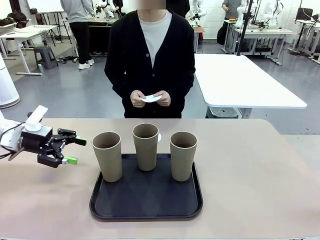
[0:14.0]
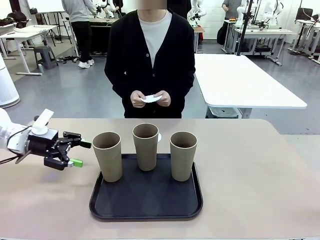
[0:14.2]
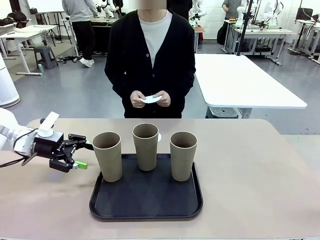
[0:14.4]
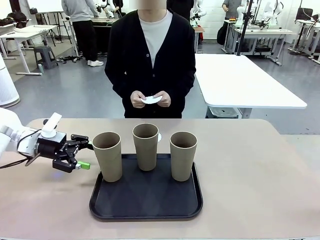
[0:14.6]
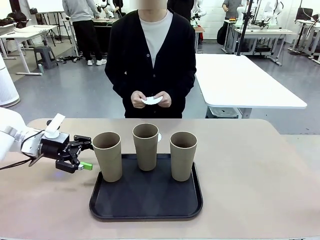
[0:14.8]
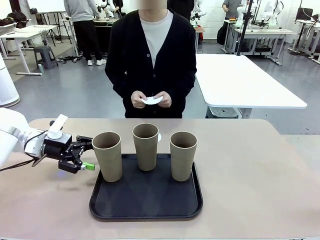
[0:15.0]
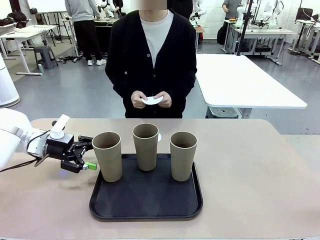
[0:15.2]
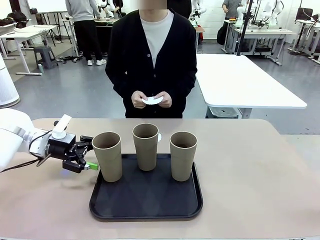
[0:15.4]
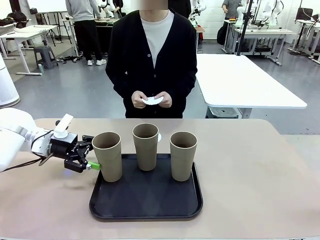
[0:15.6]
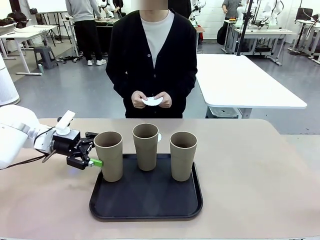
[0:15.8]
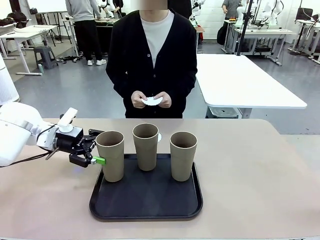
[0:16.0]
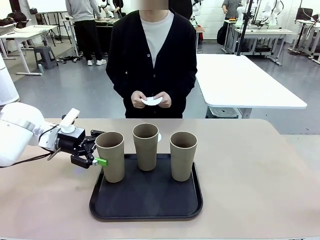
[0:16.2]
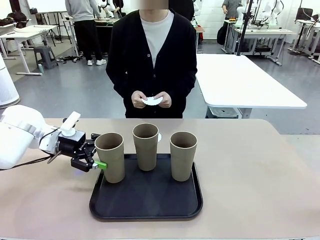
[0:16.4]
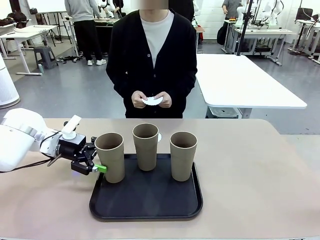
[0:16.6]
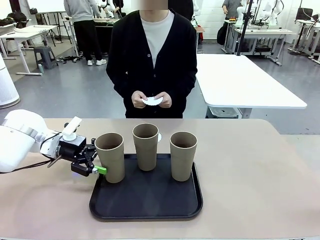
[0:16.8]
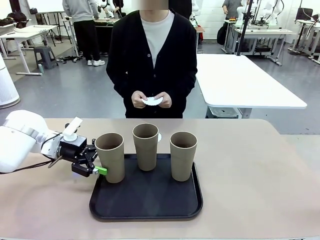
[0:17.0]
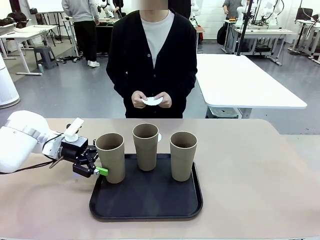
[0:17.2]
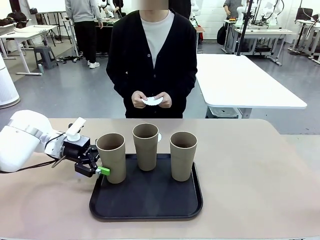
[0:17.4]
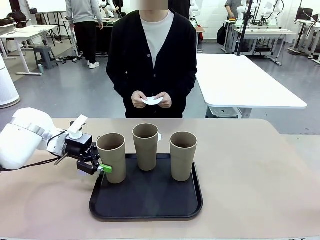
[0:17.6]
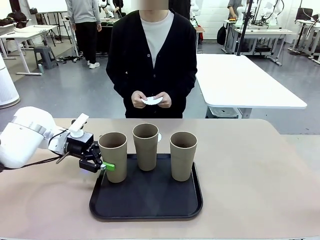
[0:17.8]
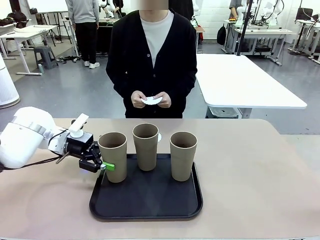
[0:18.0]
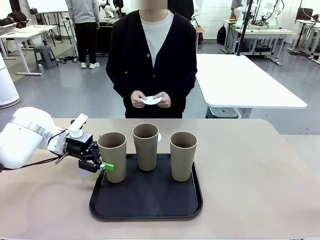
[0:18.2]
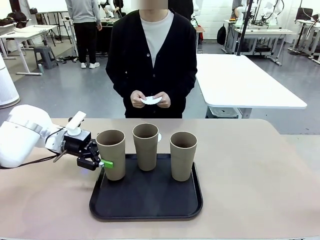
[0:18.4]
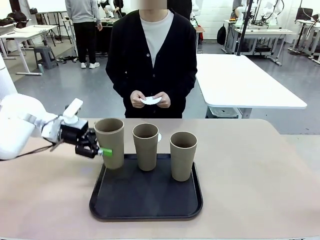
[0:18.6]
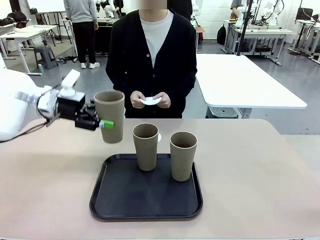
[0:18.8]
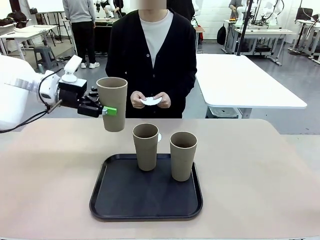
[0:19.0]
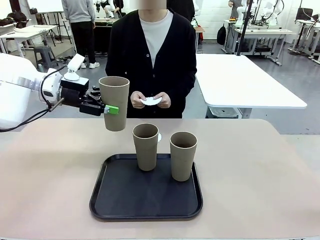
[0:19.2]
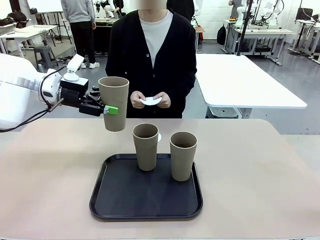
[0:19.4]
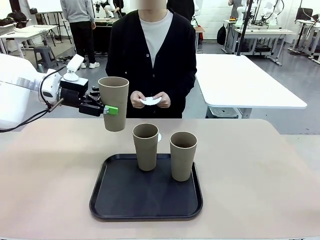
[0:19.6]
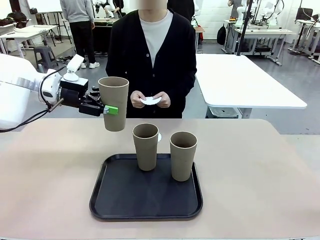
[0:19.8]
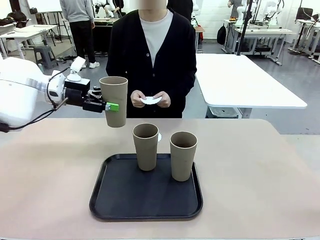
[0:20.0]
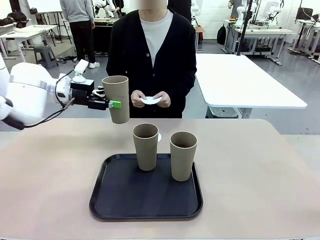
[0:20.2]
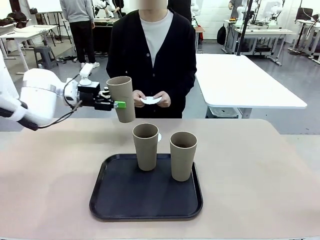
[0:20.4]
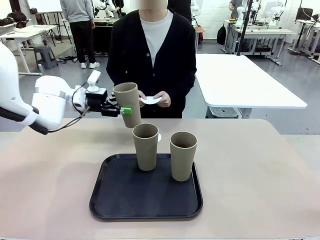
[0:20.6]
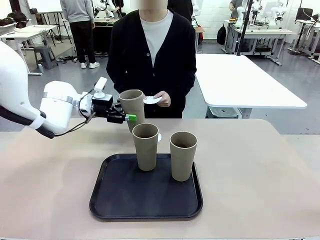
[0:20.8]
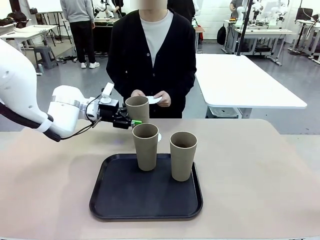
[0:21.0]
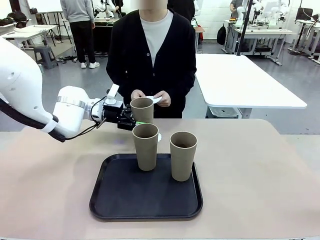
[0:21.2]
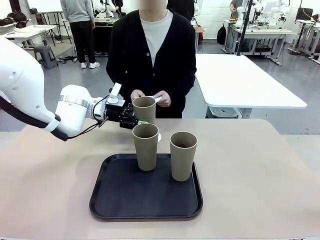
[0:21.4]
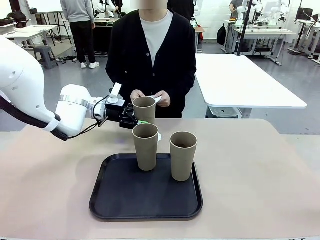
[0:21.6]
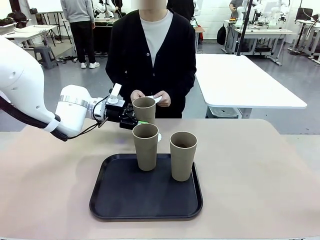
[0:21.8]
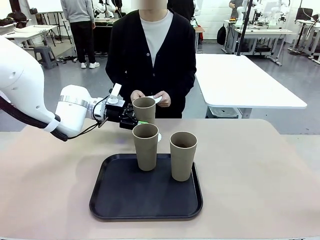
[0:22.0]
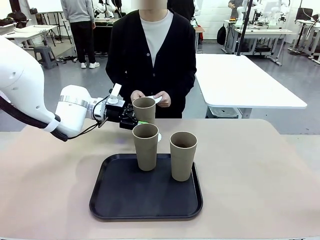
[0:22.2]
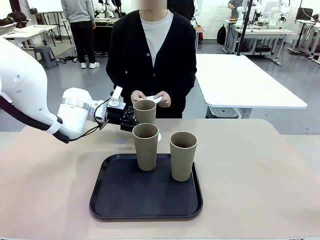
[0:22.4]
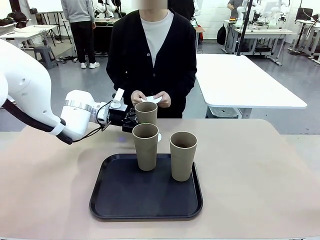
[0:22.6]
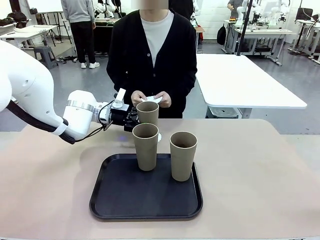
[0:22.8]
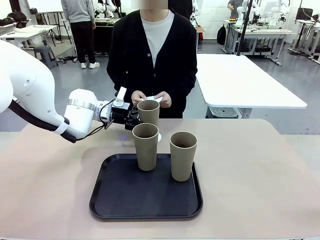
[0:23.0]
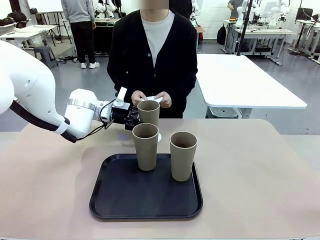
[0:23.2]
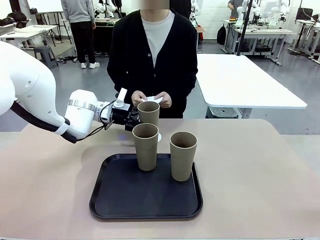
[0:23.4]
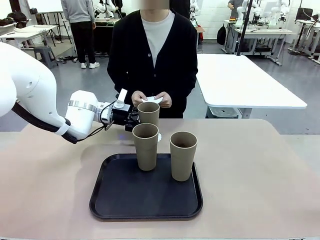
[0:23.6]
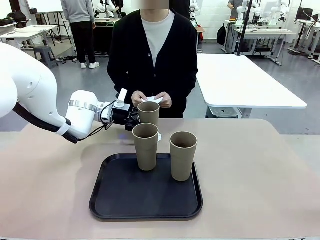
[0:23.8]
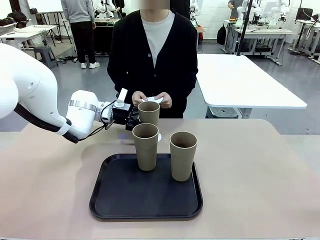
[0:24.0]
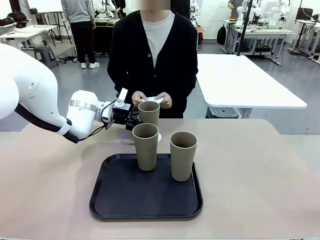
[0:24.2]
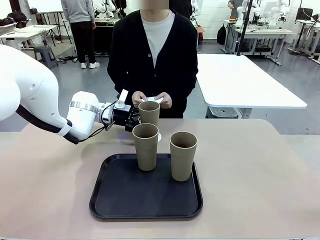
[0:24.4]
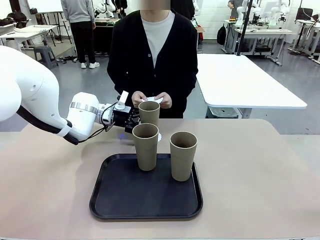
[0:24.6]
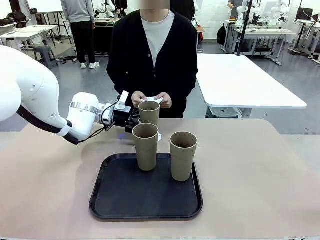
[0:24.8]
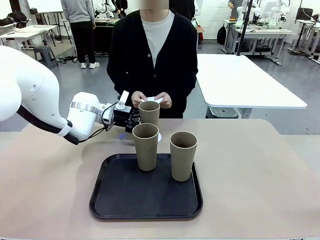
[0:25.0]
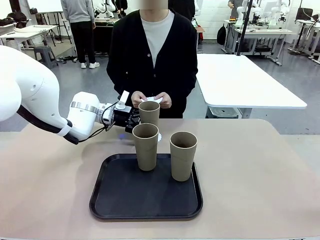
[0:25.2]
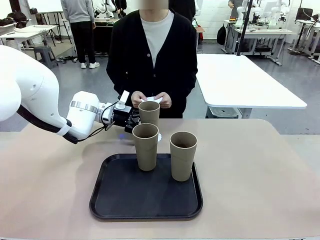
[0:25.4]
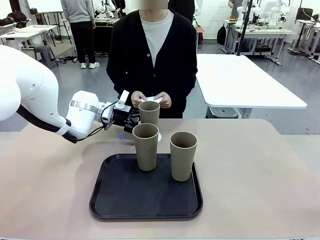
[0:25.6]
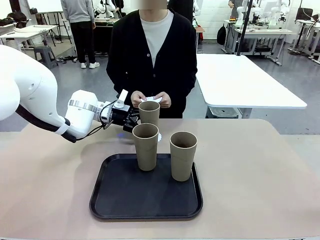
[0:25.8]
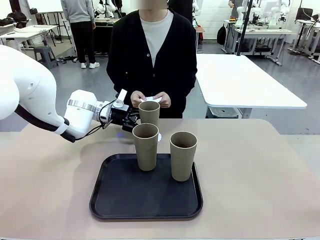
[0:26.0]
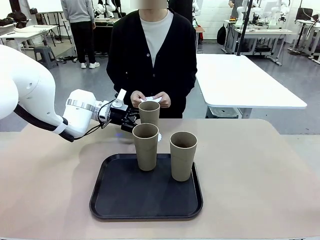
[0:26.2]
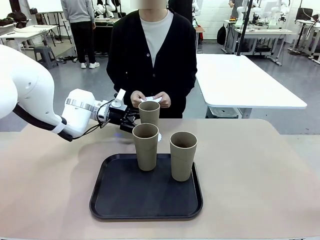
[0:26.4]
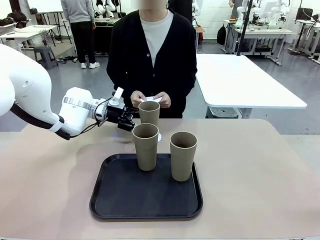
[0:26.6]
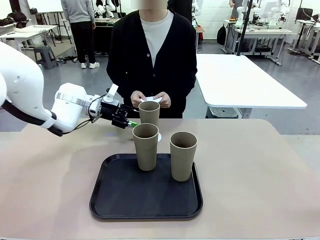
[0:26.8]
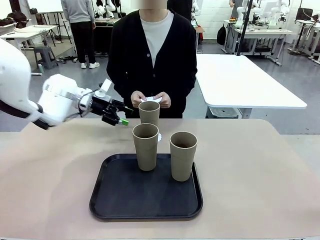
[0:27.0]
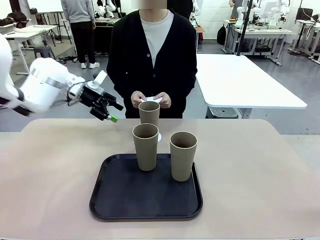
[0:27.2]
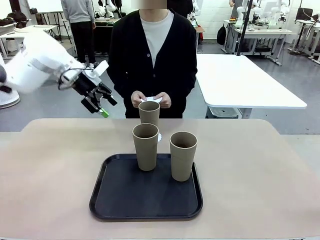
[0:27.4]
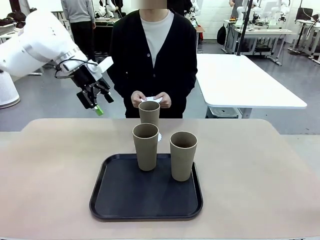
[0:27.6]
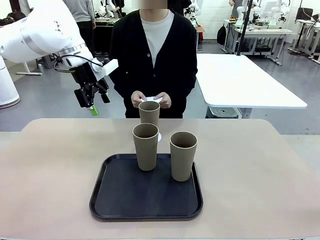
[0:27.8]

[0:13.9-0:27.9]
Task: Place coasters on the table and set cups on them.
Robot: Pick up one Reusable plastic cup and place it on a coaster set by the human.
Person: Place one coaster in one of the two areas excluding the previously selected area.
